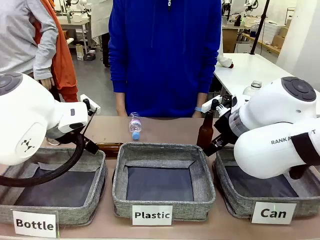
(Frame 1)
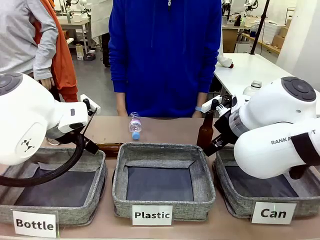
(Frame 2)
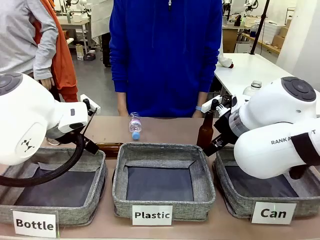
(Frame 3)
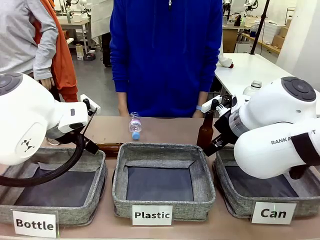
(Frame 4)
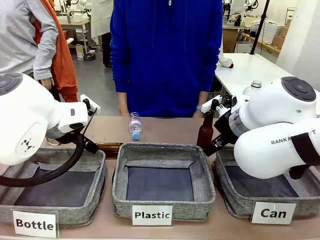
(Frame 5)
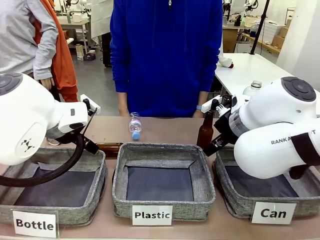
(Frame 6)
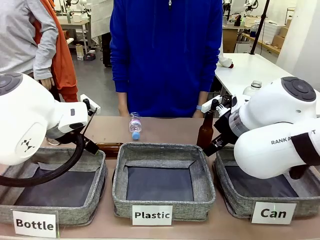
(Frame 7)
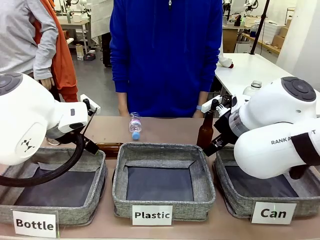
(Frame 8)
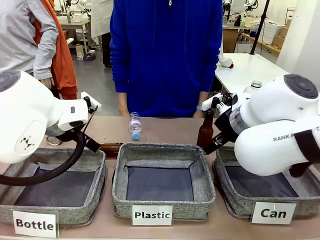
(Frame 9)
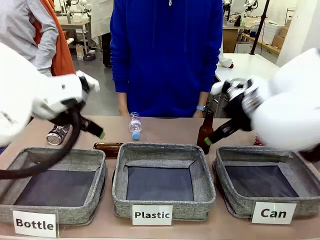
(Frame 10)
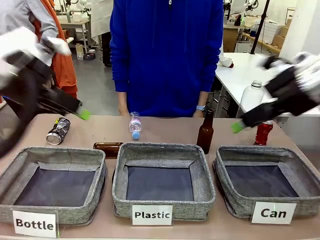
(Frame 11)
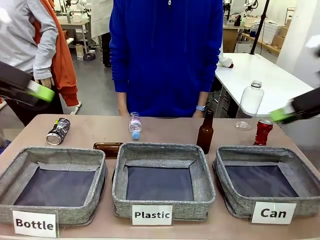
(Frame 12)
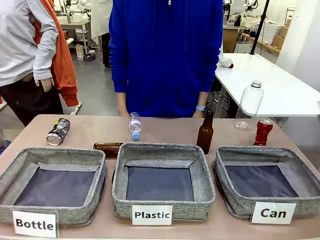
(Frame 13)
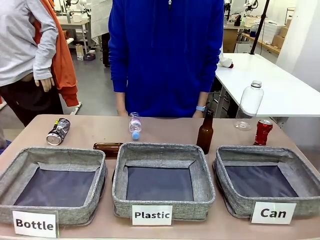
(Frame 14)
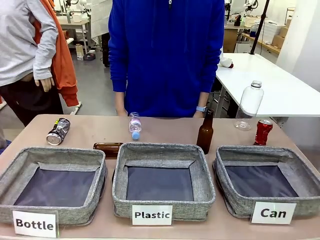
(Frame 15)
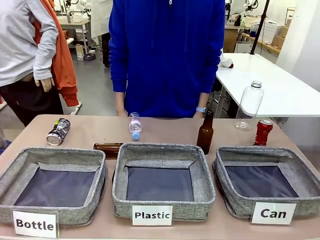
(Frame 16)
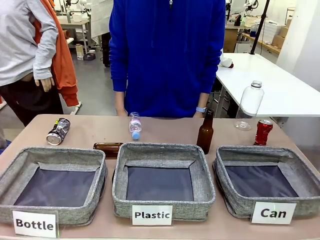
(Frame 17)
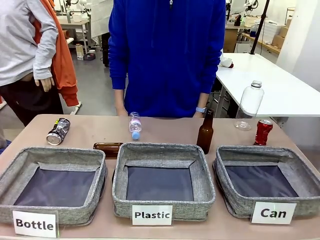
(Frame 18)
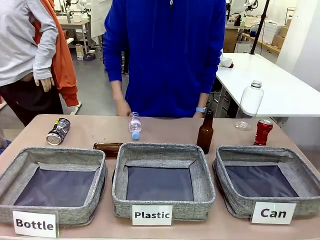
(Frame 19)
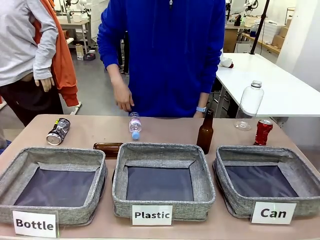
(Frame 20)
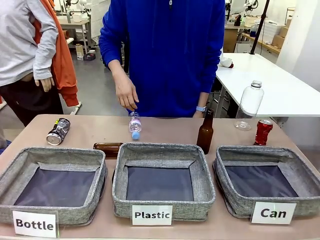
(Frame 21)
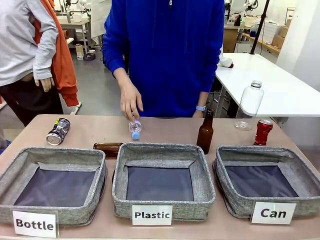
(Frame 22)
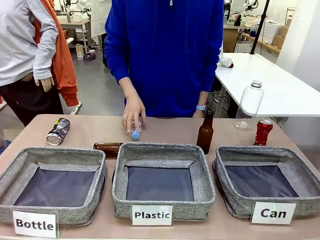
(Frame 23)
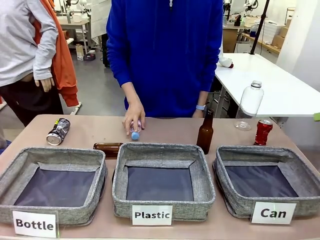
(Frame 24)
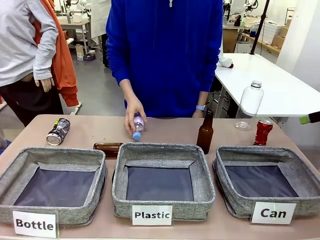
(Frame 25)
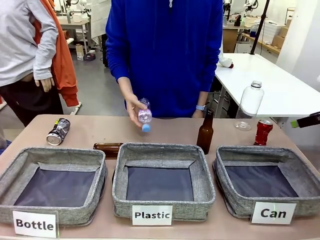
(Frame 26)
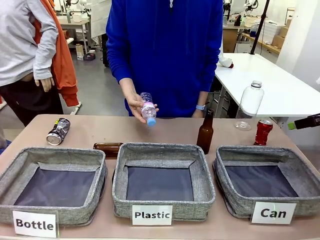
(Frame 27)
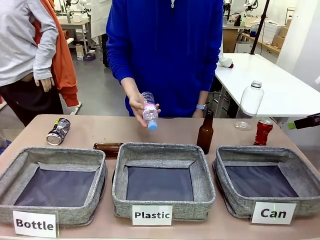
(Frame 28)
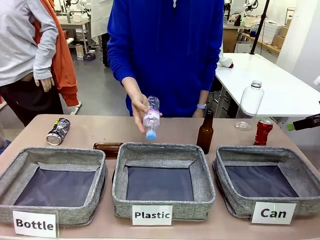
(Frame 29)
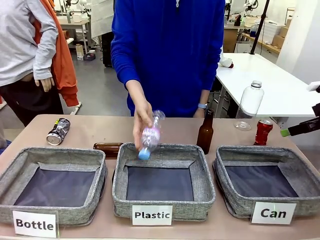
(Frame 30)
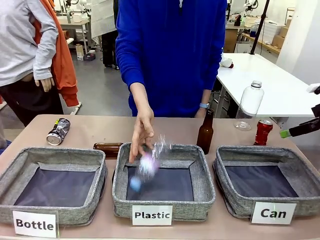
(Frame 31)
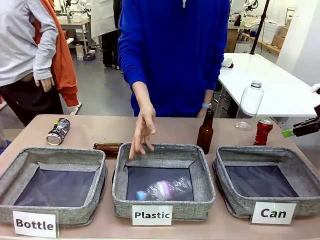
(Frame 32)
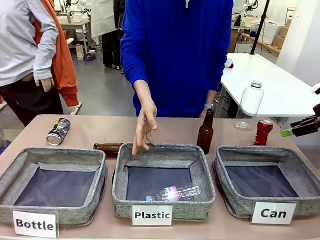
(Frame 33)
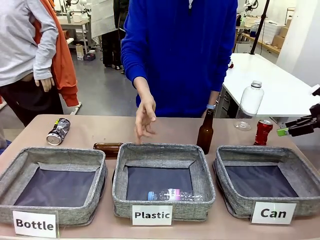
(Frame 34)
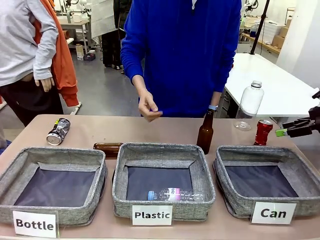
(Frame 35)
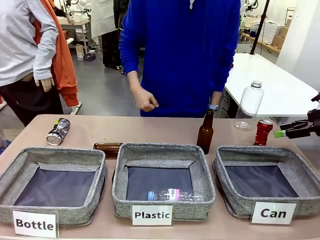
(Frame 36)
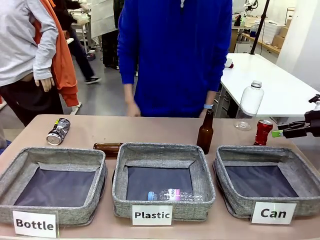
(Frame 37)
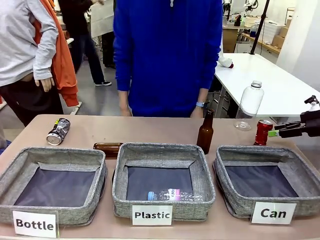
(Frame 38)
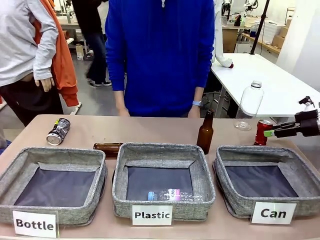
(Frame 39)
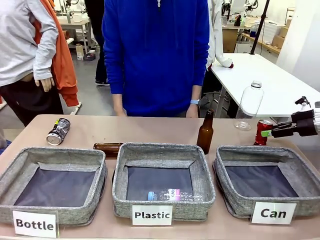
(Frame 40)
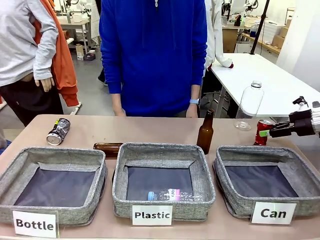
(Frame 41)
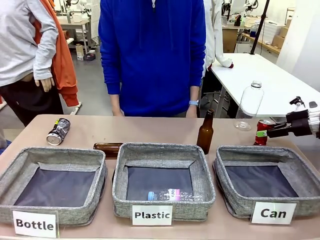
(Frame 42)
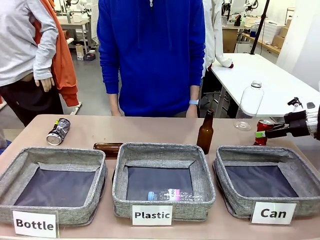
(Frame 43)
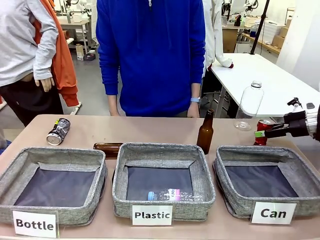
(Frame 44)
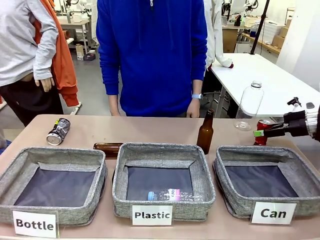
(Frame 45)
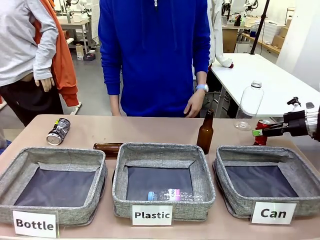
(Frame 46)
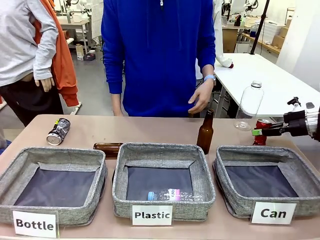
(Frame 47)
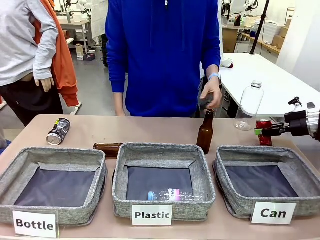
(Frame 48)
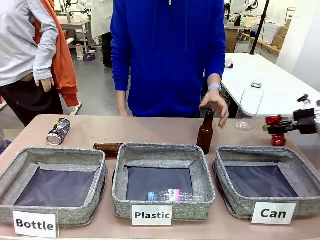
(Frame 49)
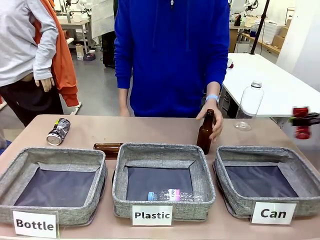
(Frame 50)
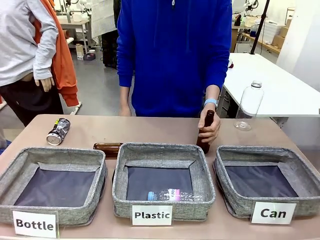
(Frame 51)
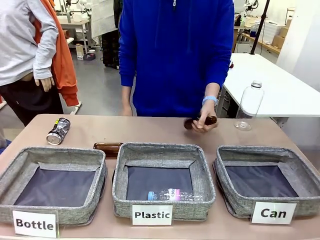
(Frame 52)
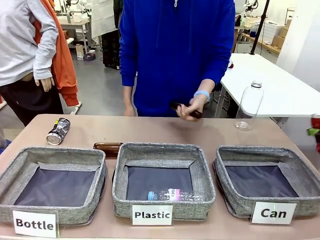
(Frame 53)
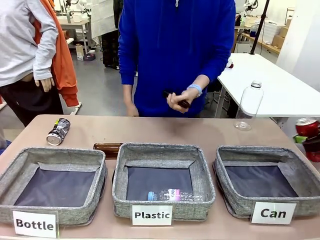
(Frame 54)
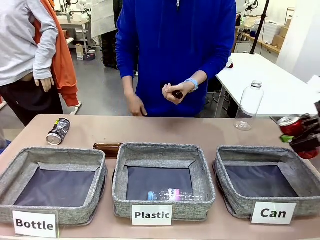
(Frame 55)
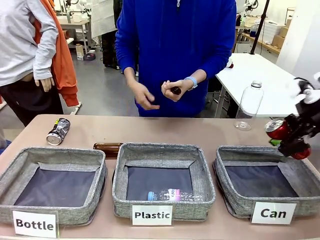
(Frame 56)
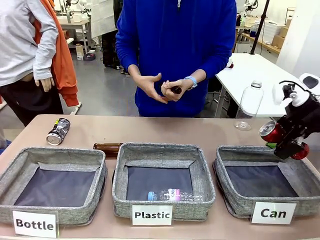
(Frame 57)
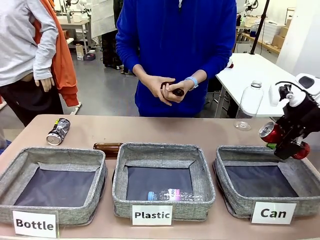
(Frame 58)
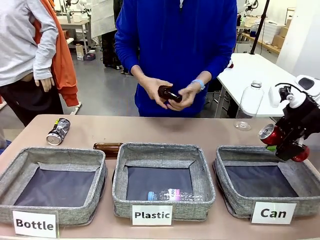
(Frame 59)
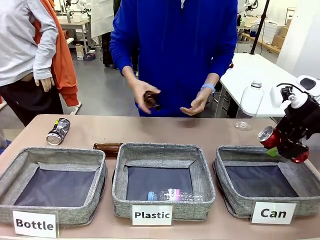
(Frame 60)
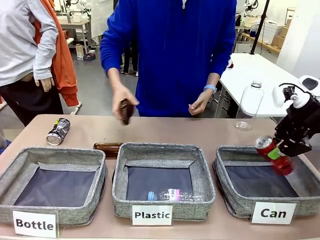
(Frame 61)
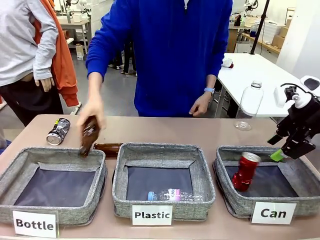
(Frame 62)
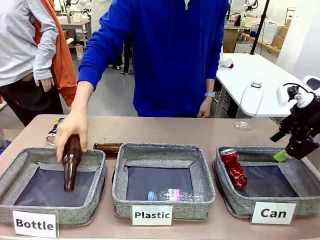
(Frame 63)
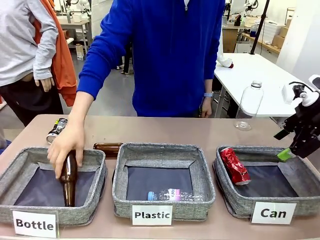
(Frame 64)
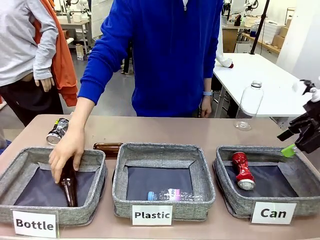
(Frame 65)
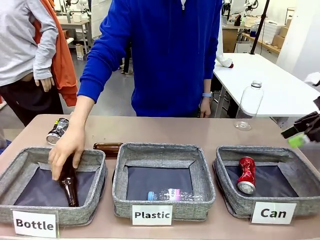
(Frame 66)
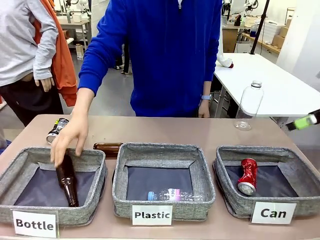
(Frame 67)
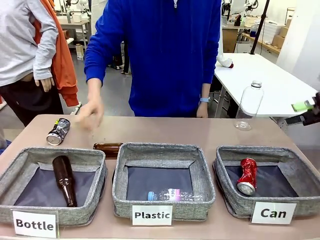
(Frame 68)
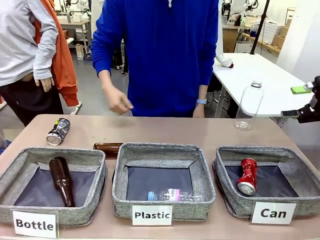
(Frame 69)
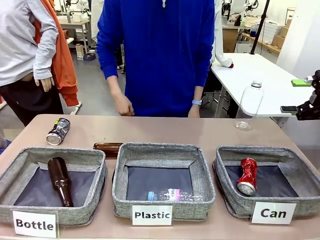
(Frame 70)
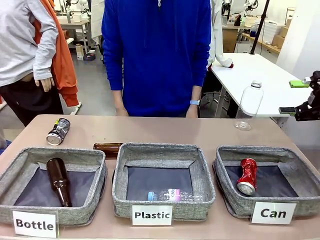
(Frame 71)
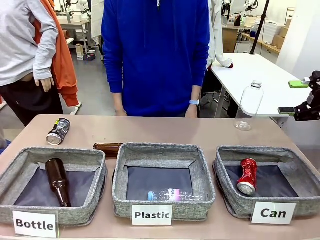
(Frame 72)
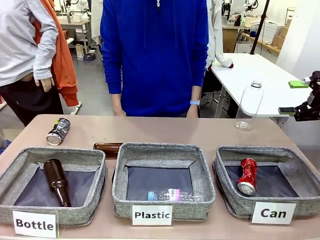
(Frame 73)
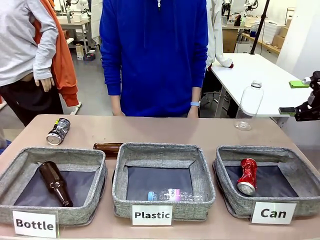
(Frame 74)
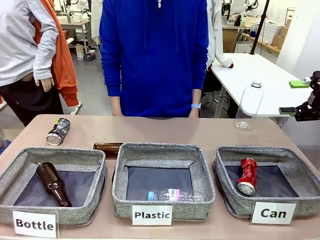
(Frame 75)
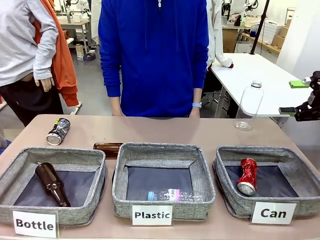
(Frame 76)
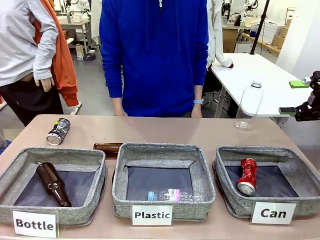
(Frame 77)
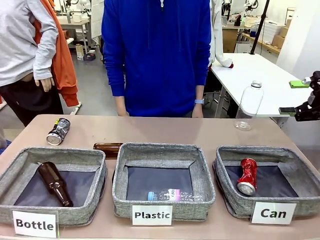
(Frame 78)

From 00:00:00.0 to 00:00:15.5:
Task: Sort the can waste into the basket.
Robot: Pick up the can waste from the table and place it in the right Fabric basket.
